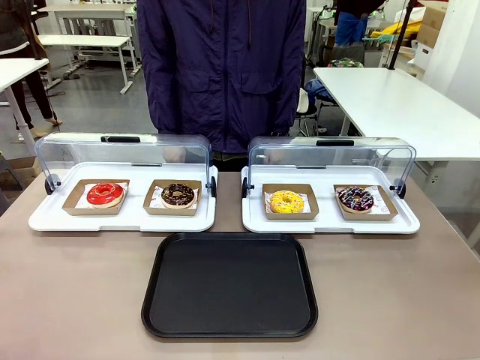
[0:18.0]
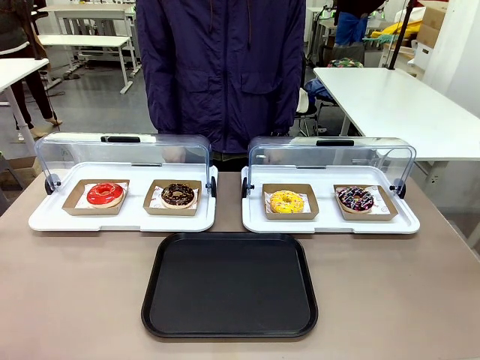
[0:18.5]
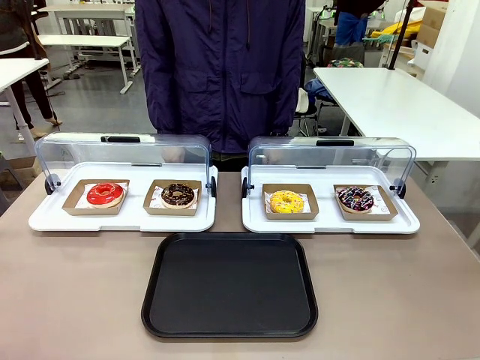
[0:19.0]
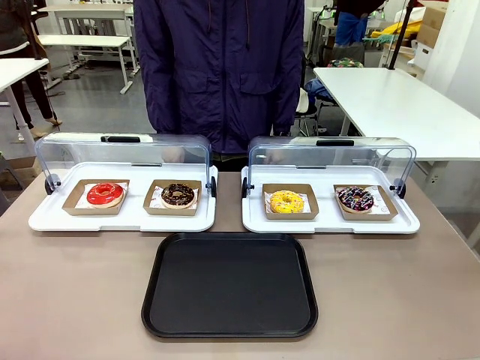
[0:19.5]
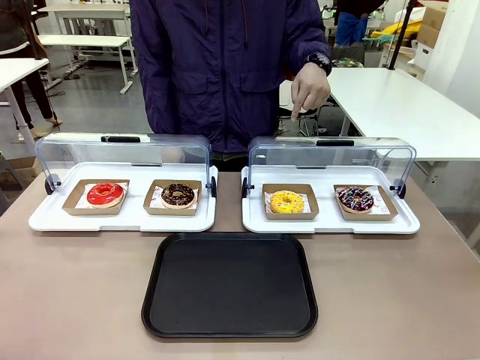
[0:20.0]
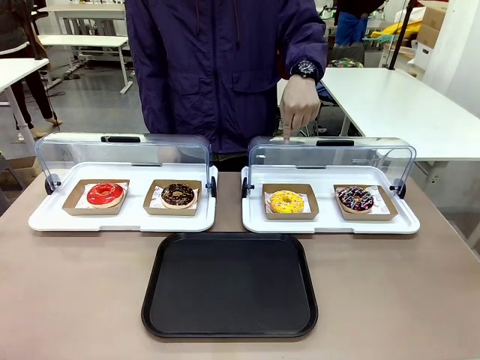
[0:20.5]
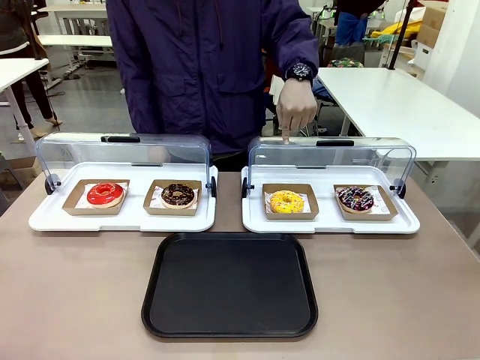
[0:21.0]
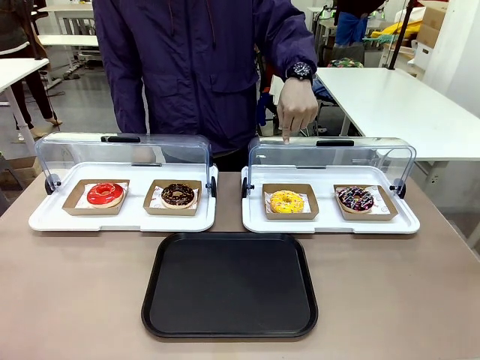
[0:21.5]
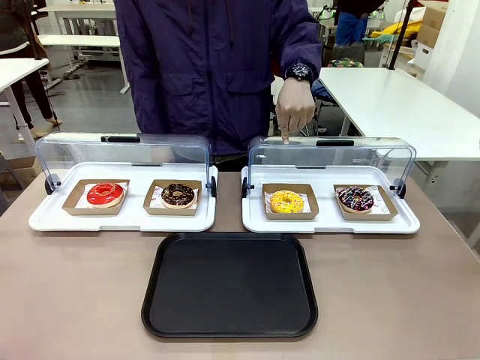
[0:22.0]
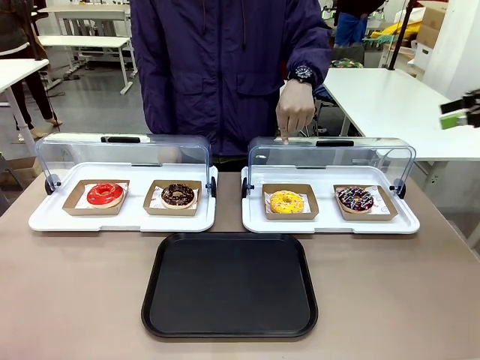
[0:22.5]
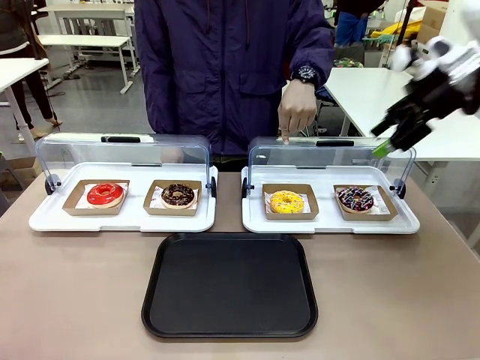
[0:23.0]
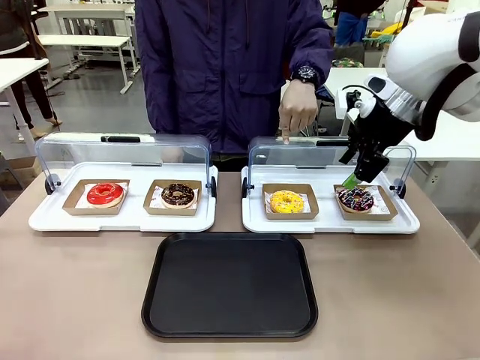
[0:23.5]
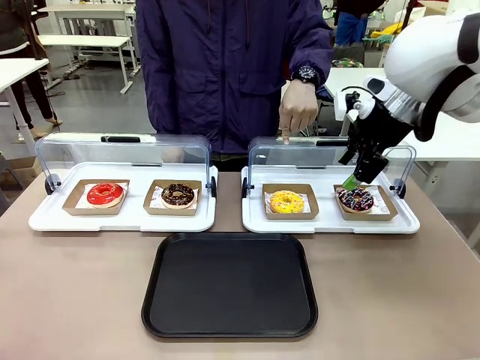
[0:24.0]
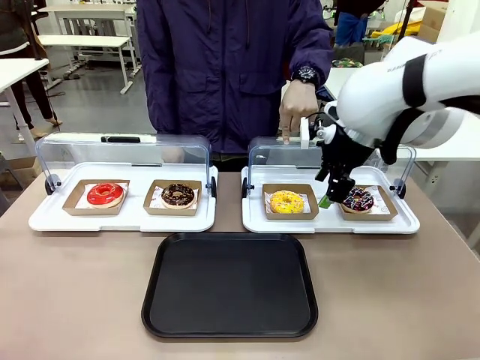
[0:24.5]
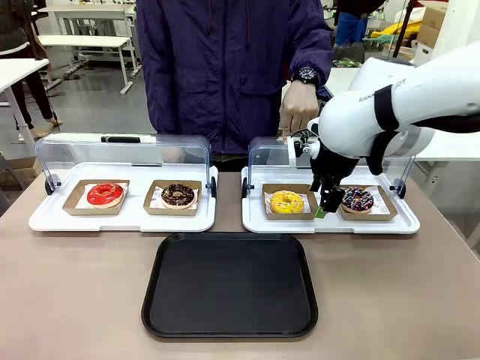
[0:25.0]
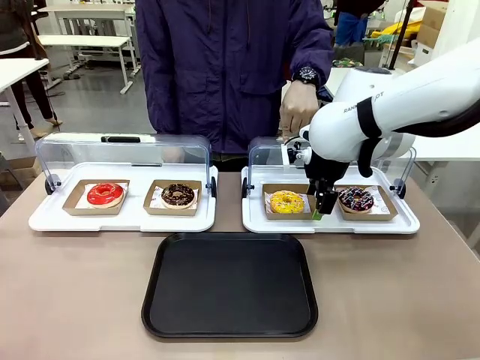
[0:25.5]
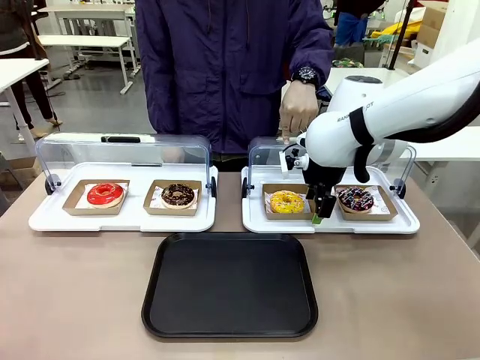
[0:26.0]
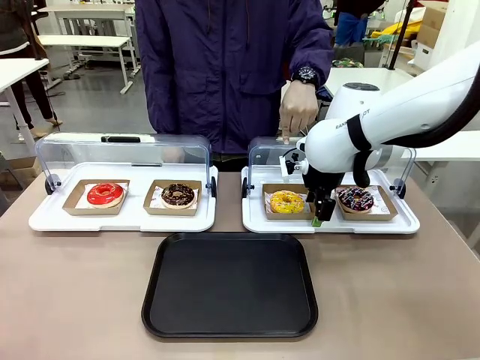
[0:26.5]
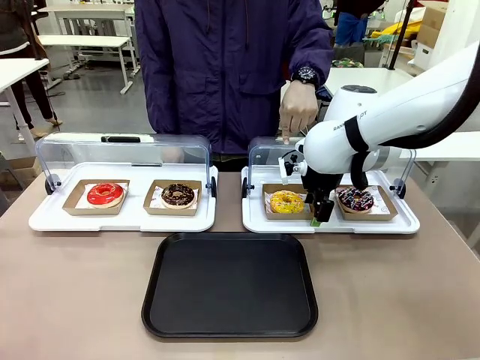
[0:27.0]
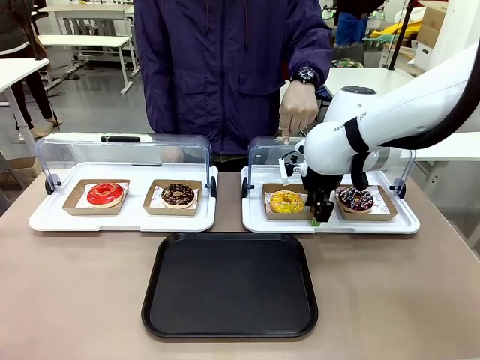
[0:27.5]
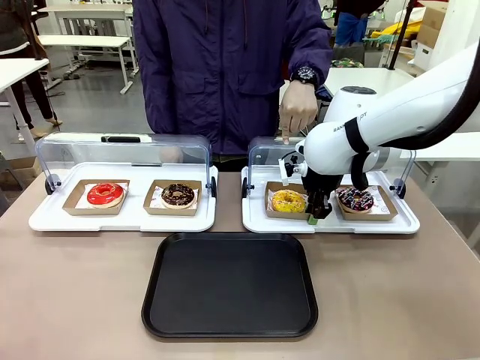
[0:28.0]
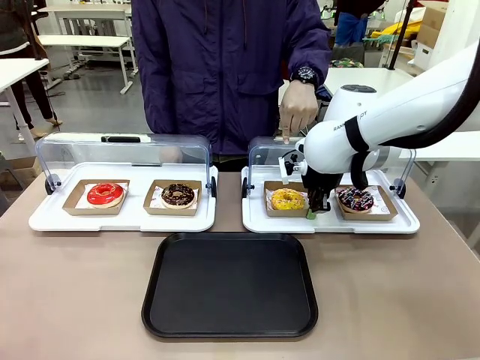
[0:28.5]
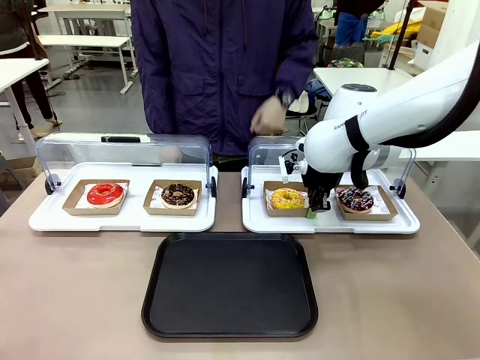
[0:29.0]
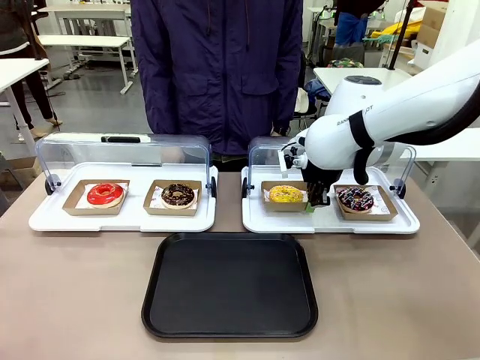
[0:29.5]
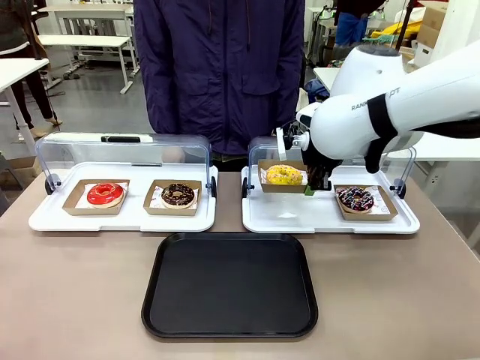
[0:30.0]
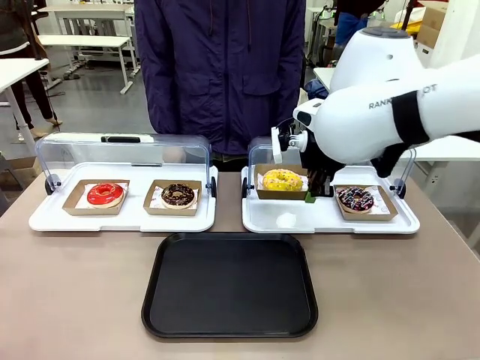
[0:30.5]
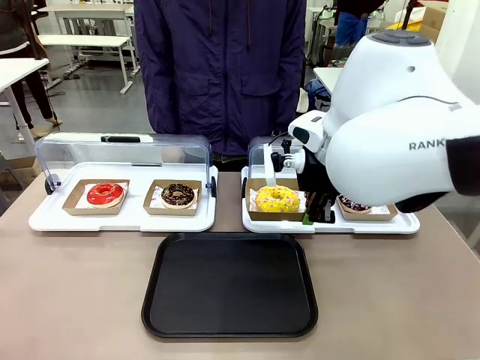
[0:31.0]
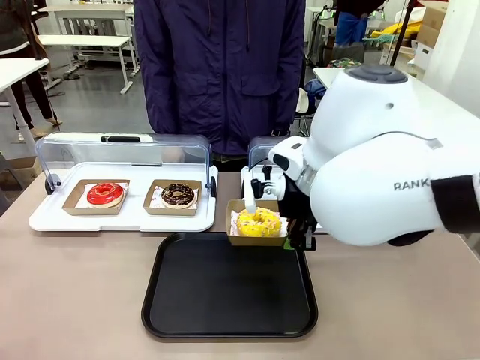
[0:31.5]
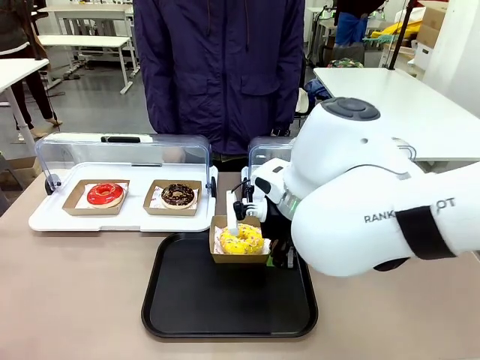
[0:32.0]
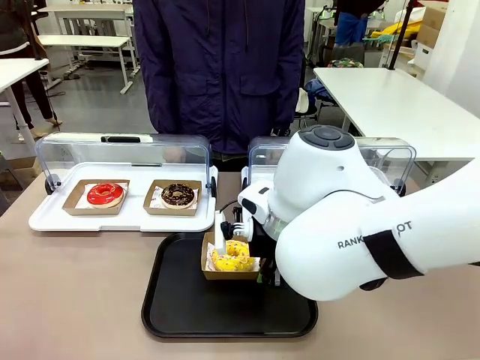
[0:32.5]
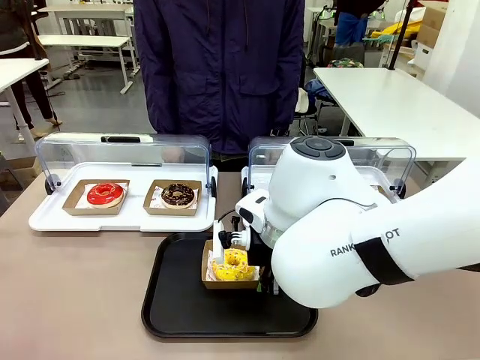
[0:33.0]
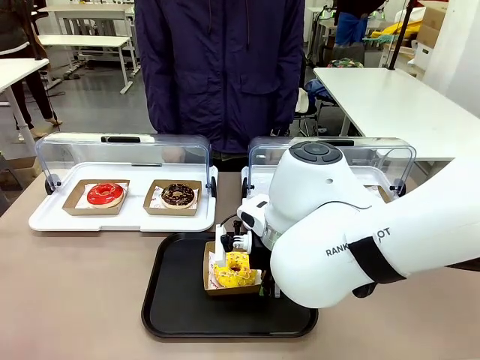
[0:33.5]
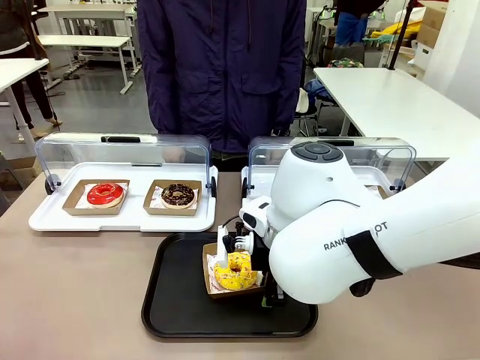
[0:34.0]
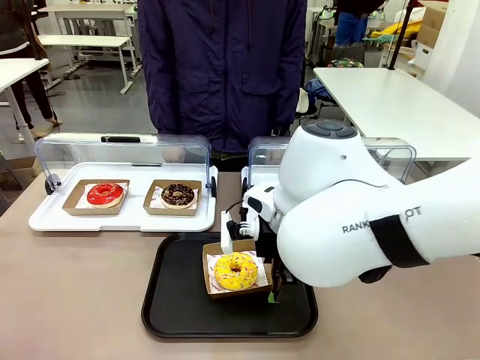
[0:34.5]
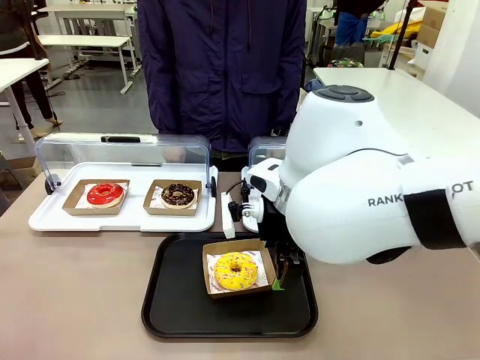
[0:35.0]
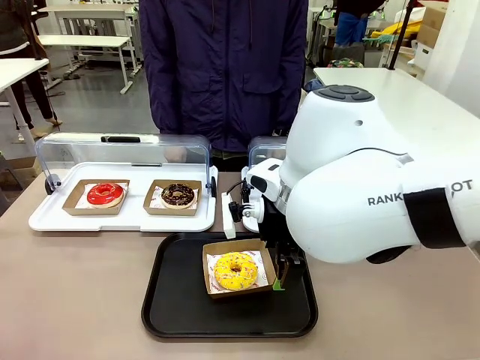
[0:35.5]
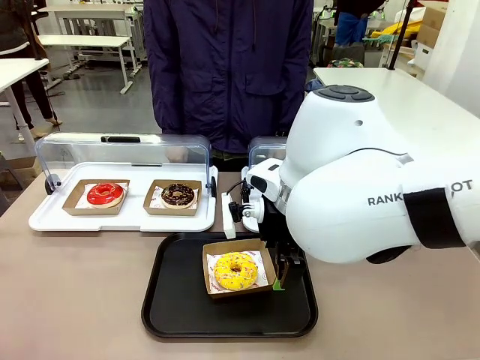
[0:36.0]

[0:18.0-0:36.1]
Task: Move the third donut from the left to the tray.
Robot: Pick up the Paper togo box containing the Donut indicated by the person and place it on the Handle tray.
Person: Points to the third donut from the left from the robot’s perspective.

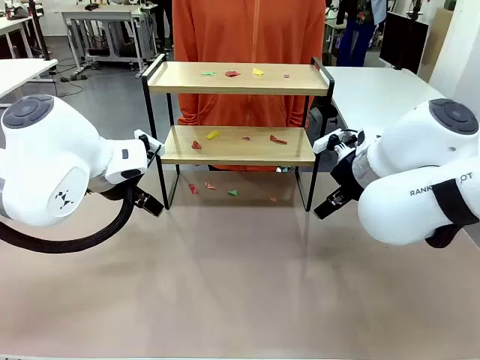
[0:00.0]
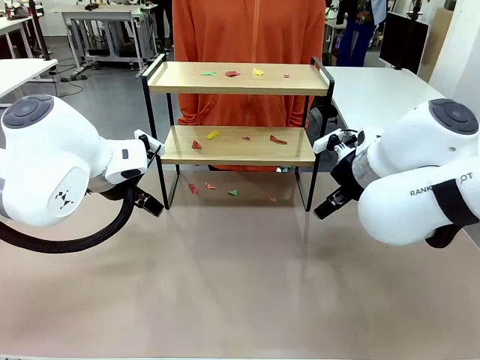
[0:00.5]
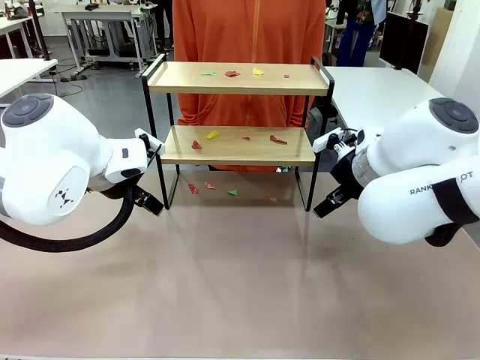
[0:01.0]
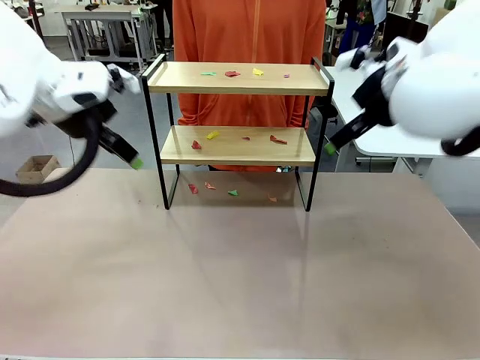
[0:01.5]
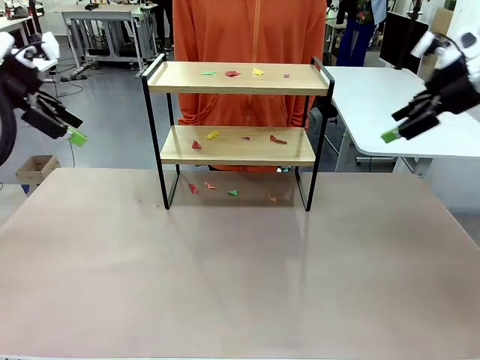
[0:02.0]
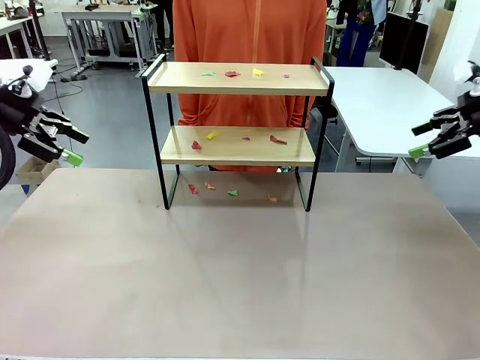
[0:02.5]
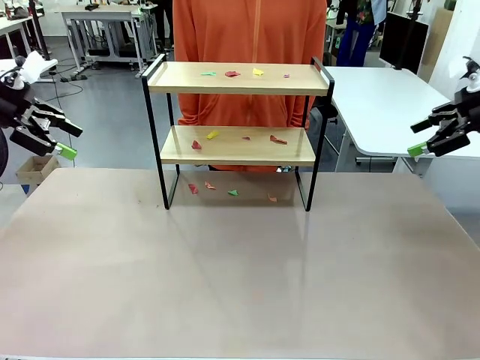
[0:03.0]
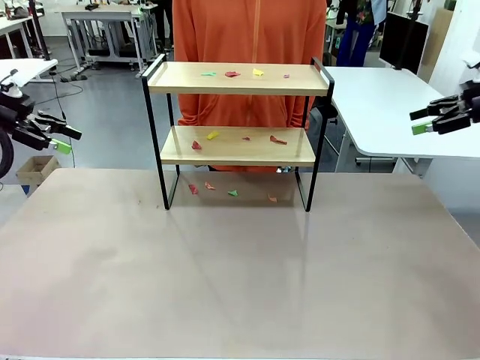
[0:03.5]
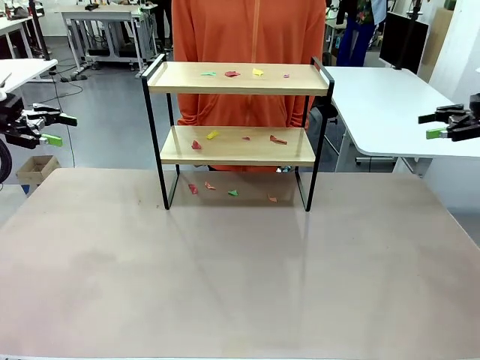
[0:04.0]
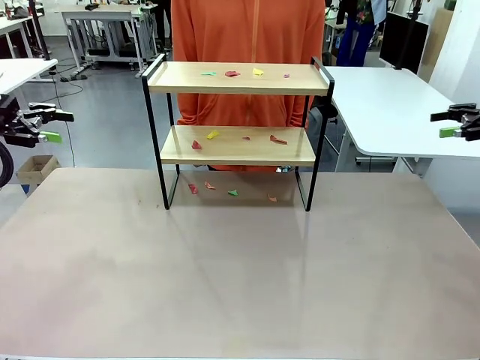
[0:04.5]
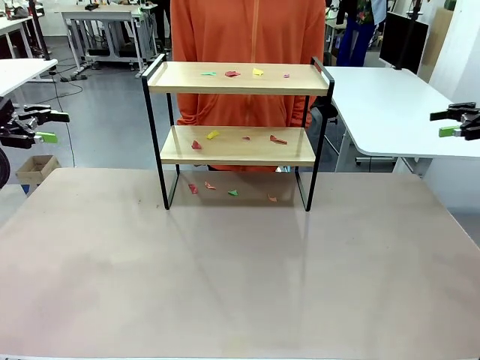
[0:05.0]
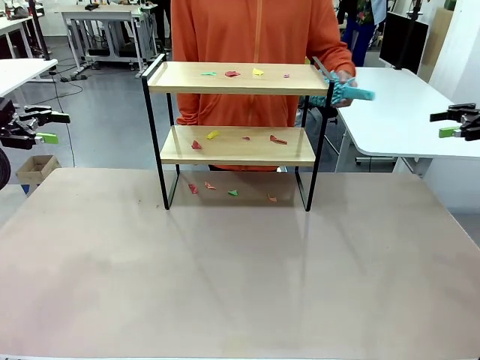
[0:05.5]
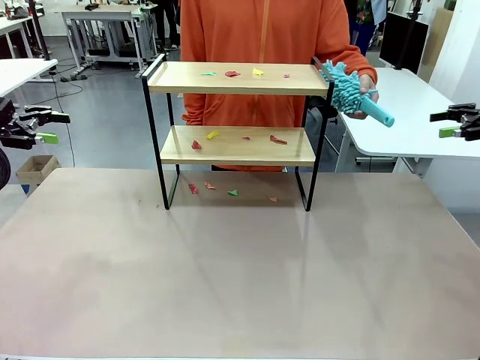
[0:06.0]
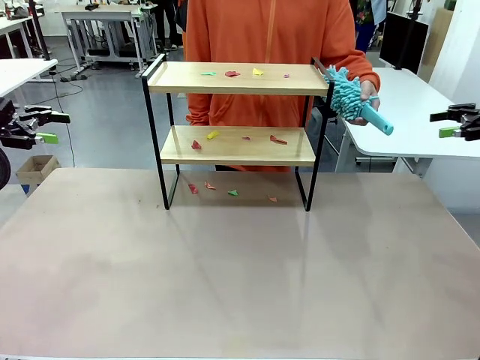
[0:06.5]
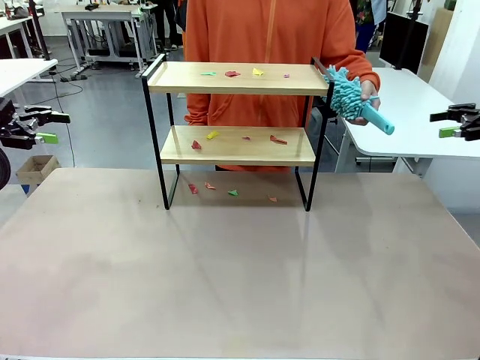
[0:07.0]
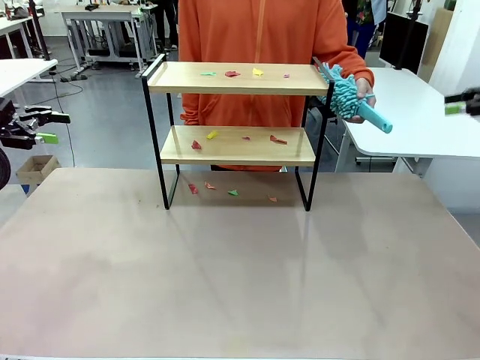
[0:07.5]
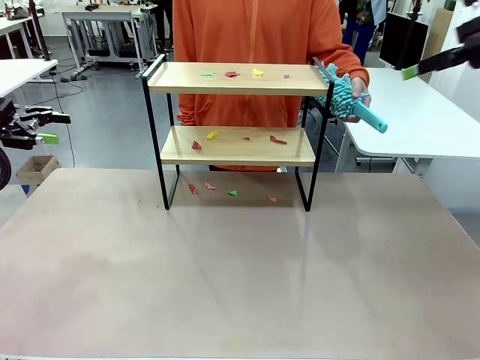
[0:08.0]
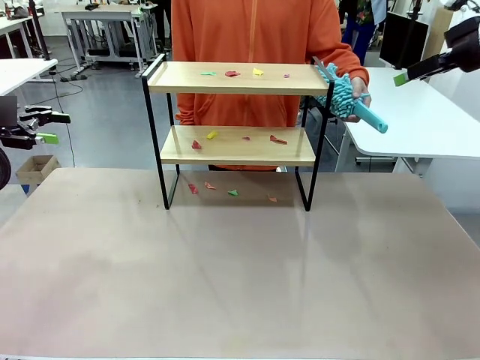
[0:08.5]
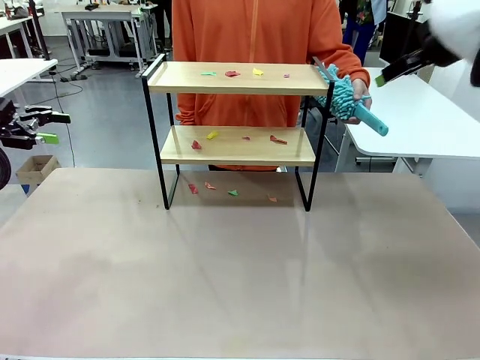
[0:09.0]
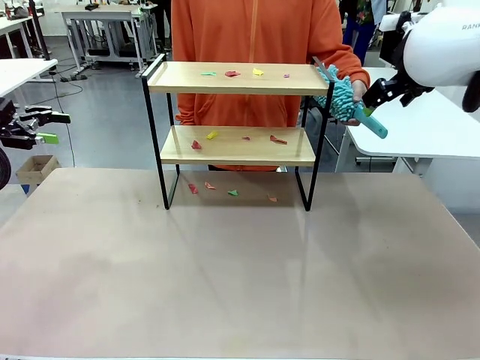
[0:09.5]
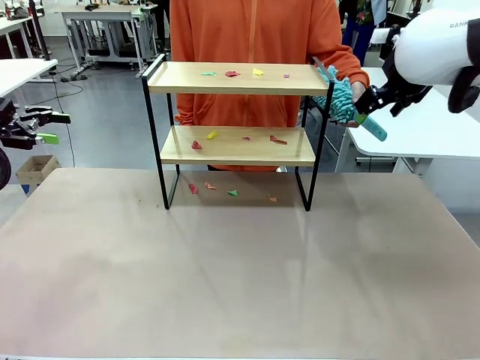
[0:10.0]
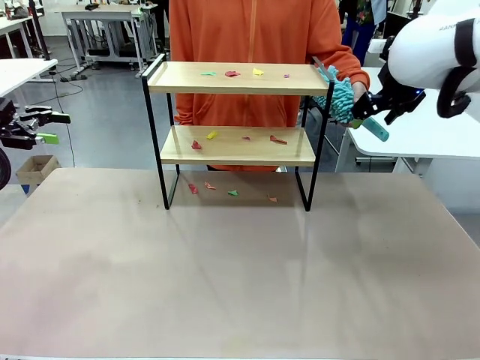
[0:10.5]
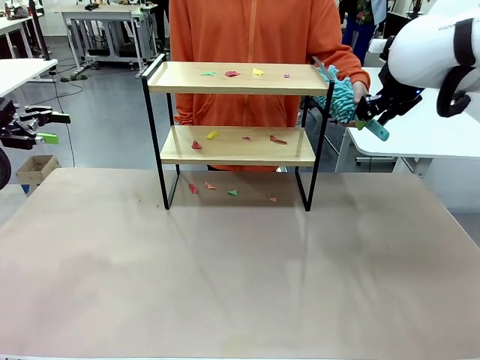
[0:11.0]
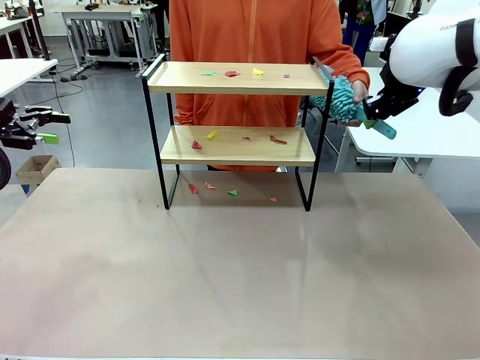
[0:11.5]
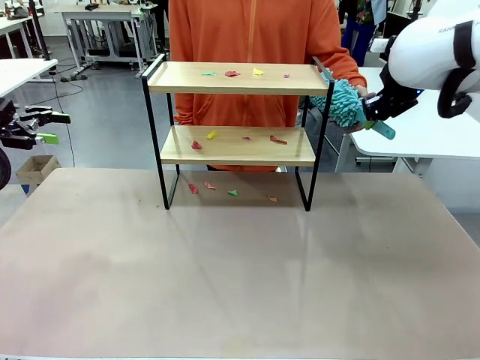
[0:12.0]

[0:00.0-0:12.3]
Task: Clean the shelf.
Robot: Pick up the Duster handed by the human.
Person: Hand the Duster to the robot.
